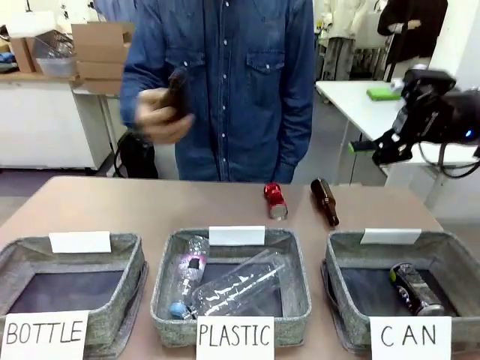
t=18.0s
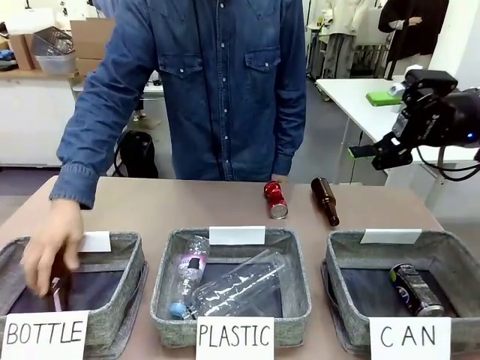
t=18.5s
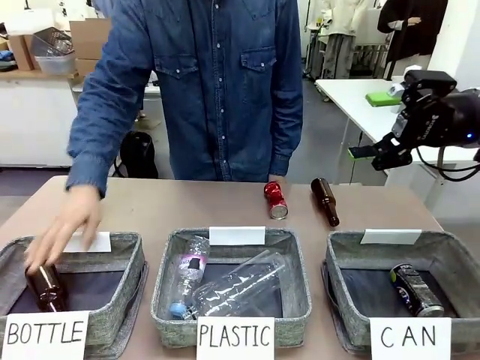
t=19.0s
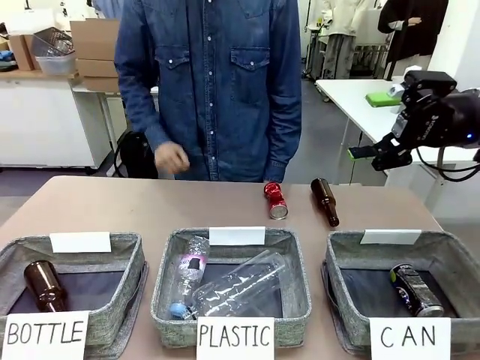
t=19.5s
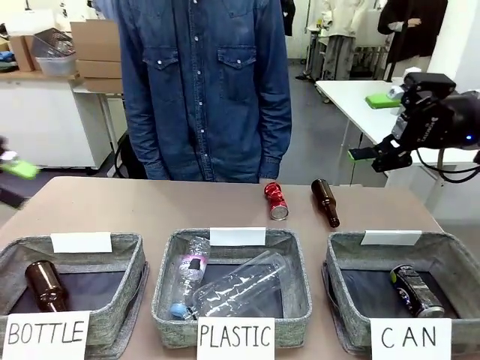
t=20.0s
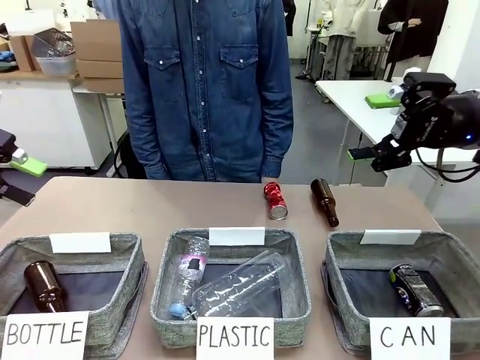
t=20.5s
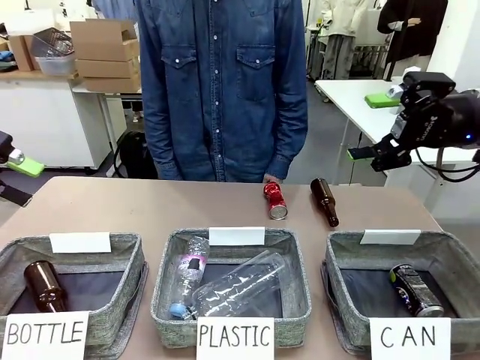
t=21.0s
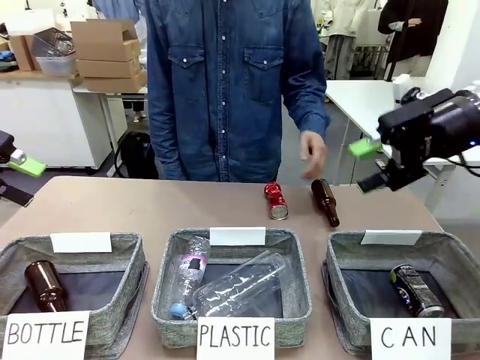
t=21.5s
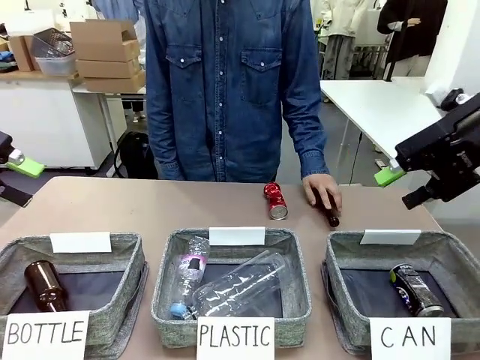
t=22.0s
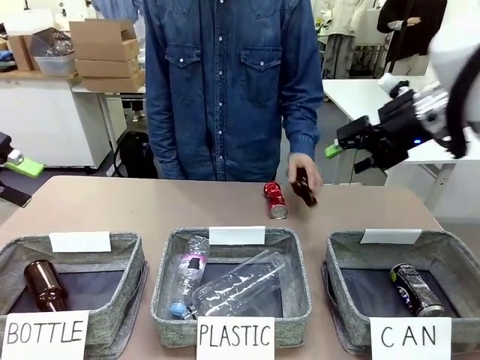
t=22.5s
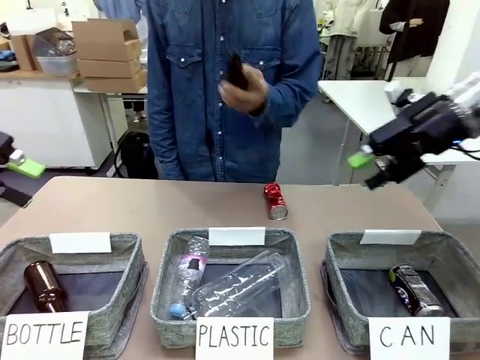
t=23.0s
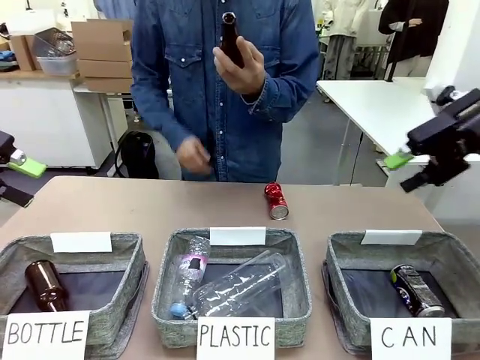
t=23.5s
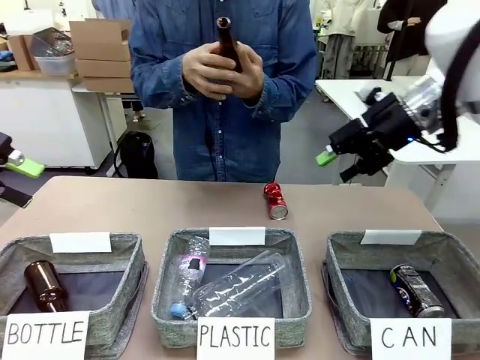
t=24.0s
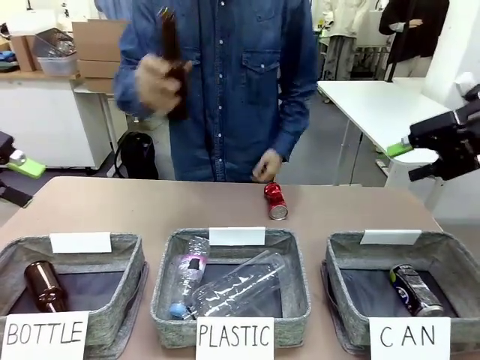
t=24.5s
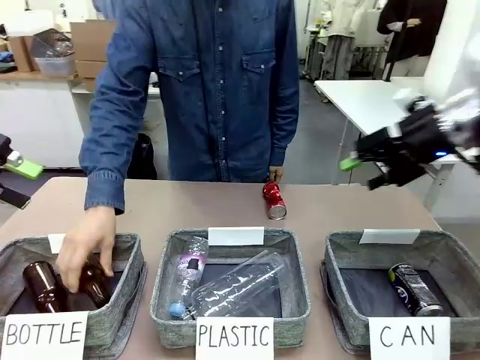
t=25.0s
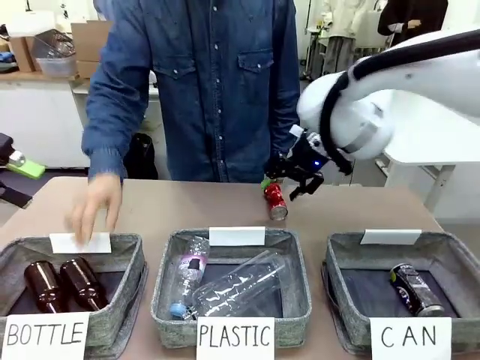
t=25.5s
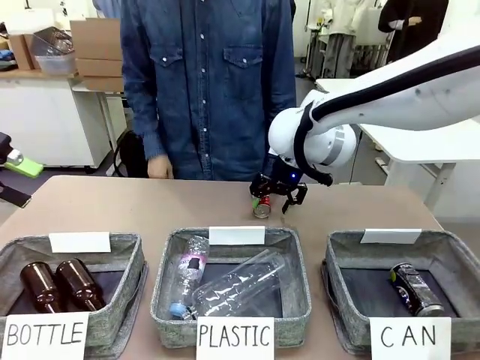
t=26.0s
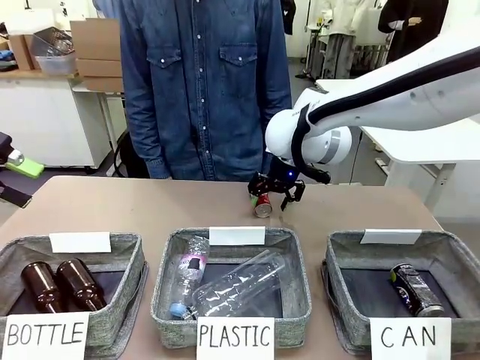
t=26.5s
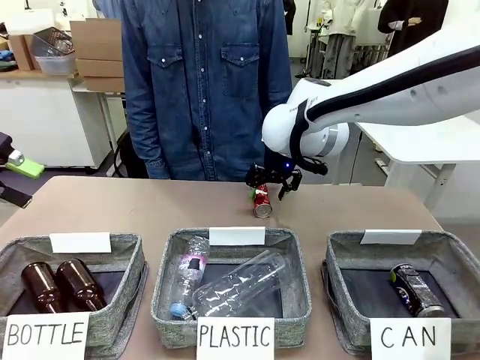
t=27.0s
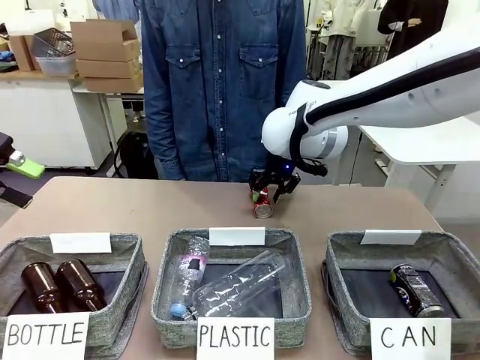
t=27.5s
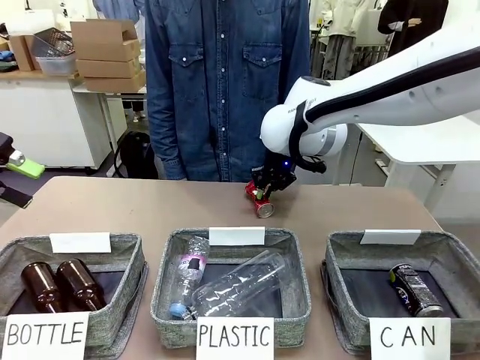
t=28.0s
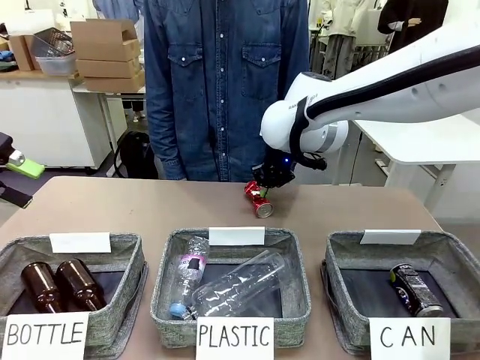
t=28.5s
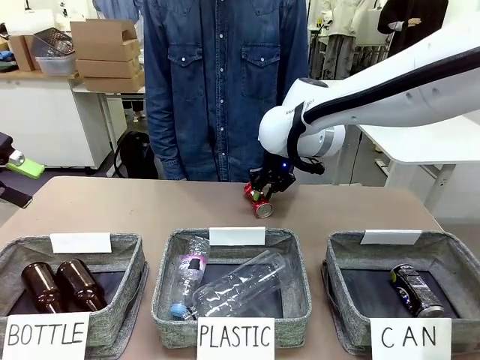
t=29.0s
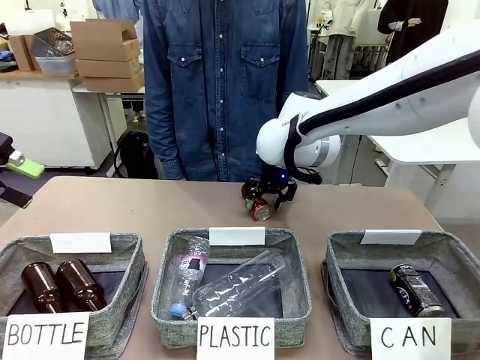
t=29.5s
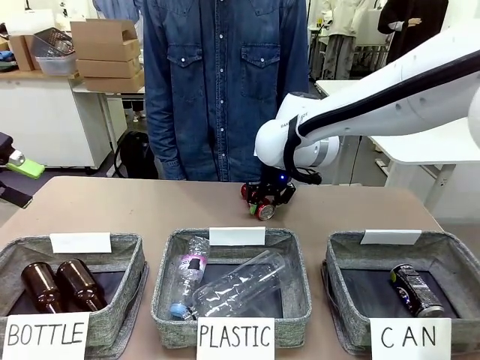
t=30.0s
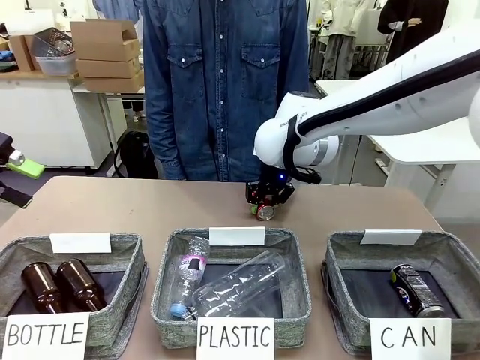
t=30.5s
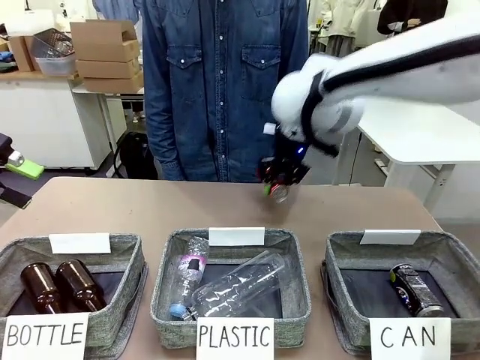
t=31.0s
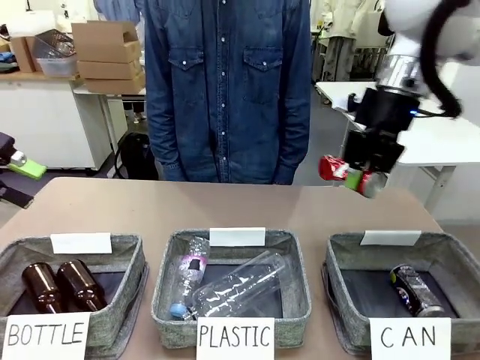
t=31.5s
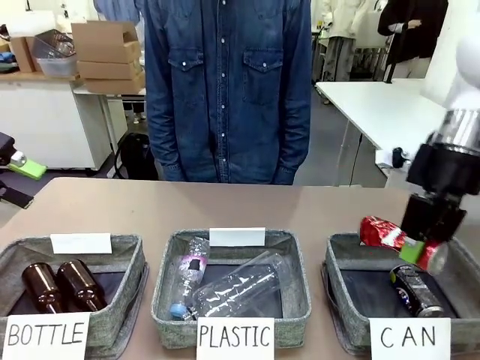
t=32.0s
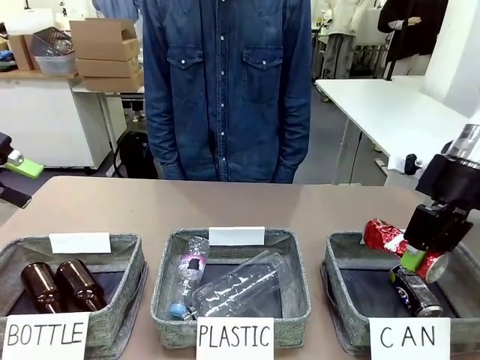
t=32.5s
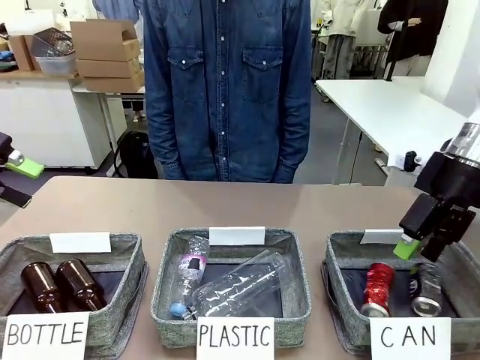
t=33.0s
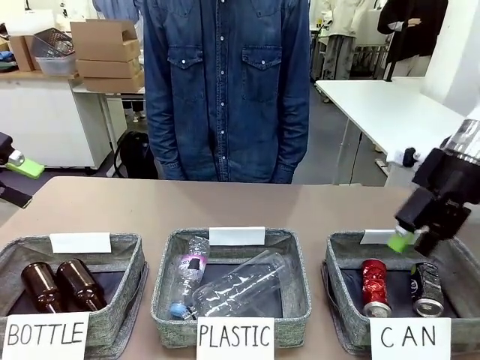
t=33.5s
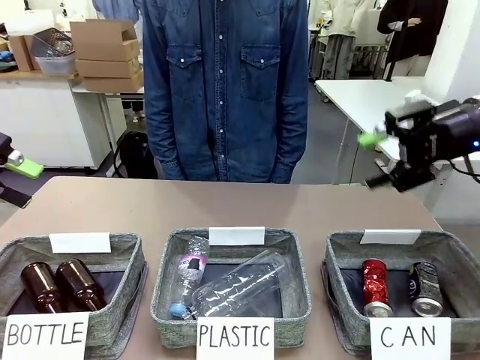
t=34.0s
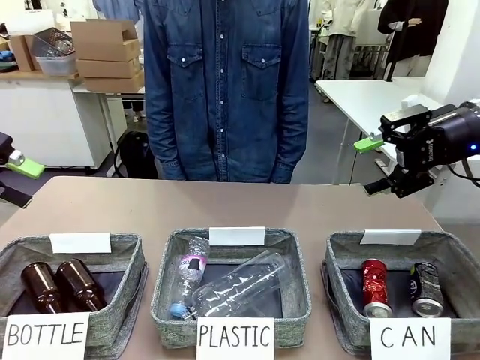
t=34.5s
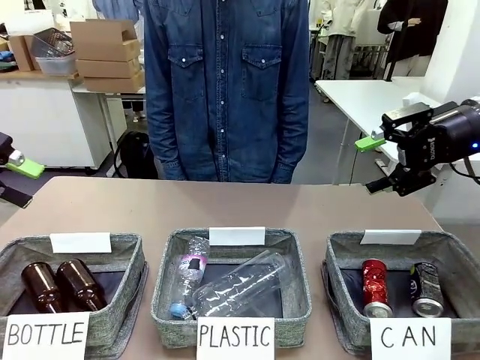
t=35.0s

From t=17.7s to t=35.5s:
Task: Sort the can waste into the basket.
Robot: Pick up the can waste from the table and place it in the right Fabric basket.
Person: The human picks up one piece of trash that is not a can and places the trash into the appropriate organizing basket.

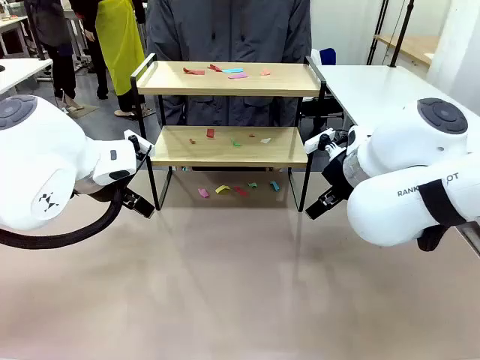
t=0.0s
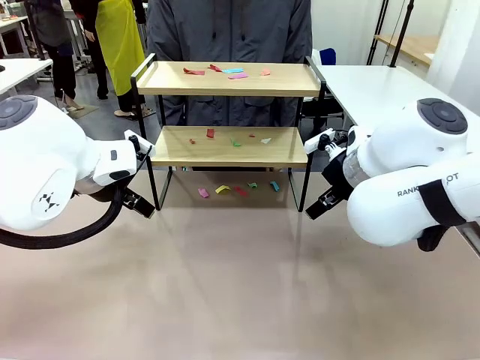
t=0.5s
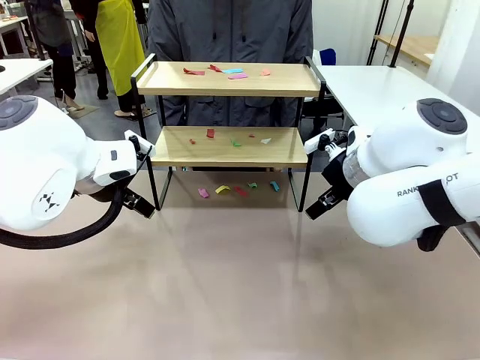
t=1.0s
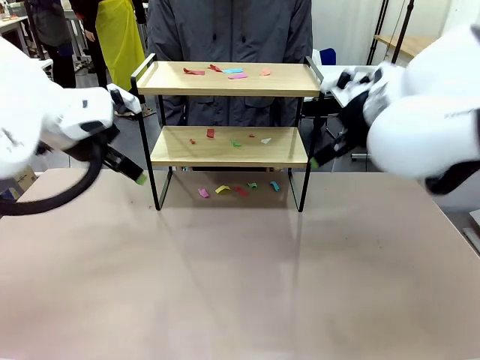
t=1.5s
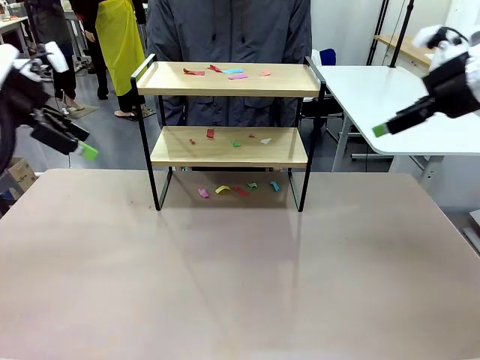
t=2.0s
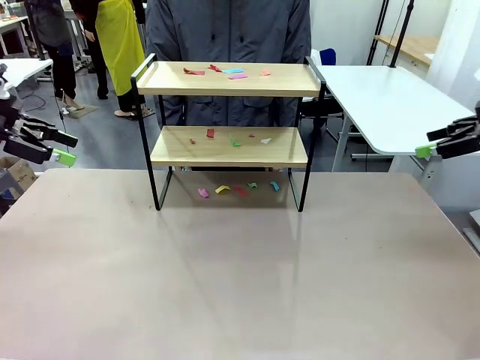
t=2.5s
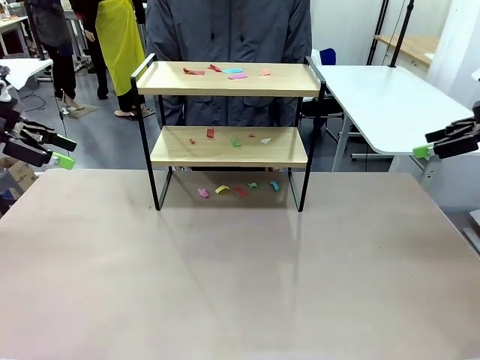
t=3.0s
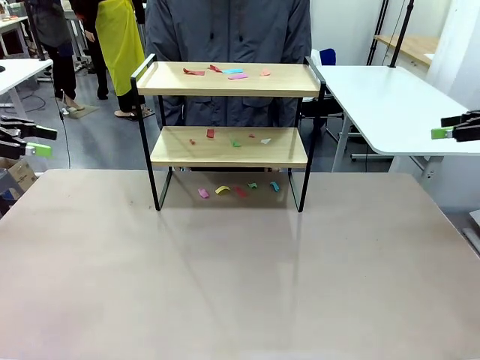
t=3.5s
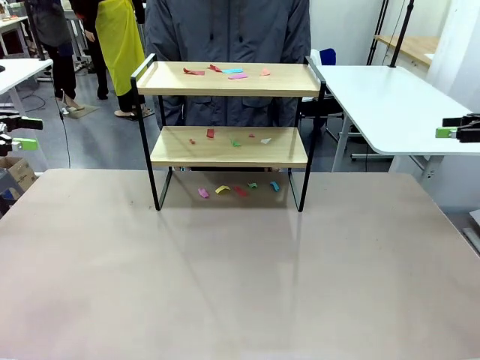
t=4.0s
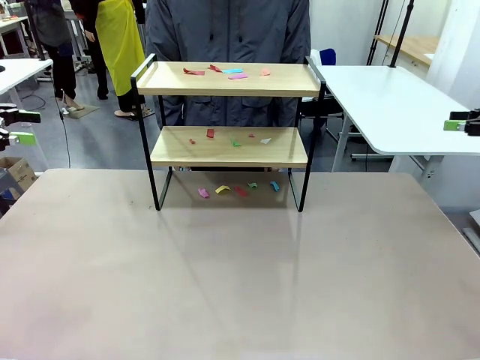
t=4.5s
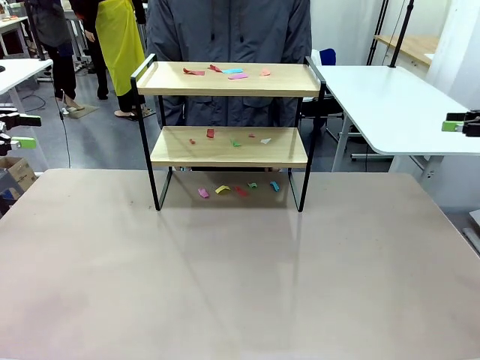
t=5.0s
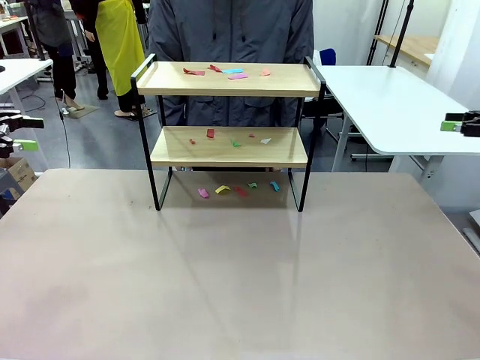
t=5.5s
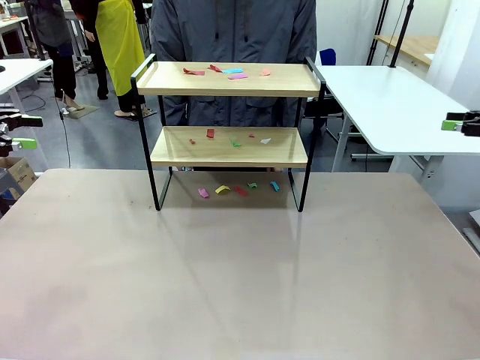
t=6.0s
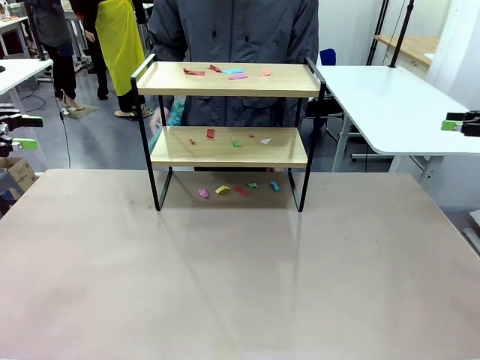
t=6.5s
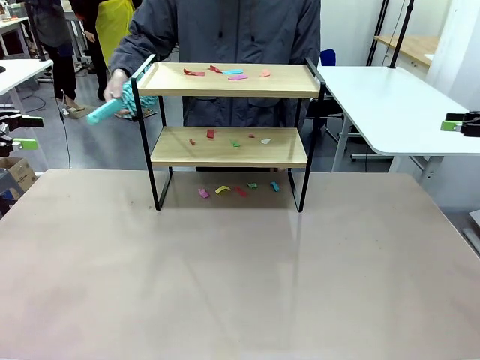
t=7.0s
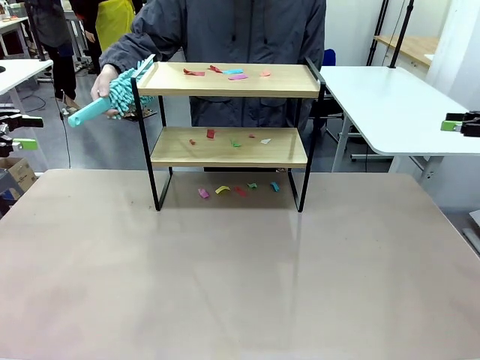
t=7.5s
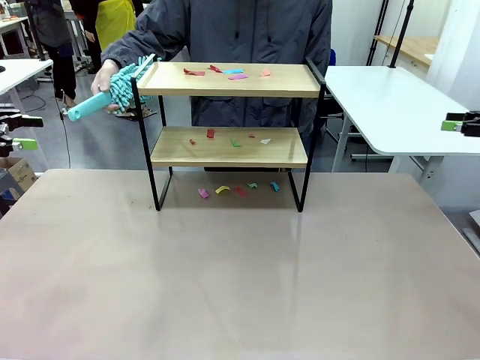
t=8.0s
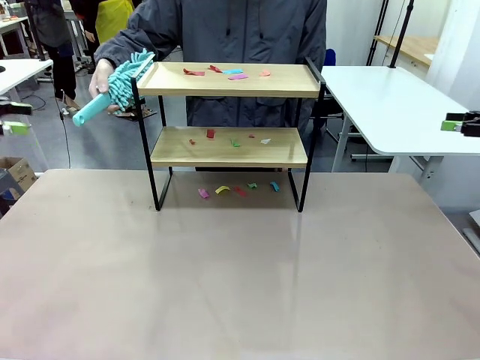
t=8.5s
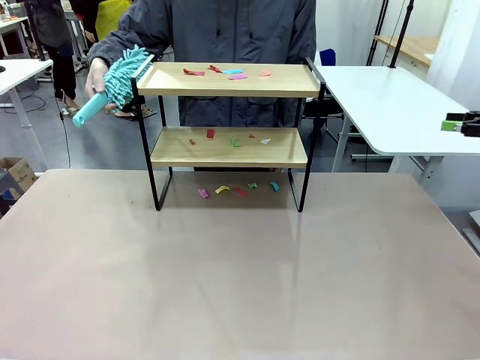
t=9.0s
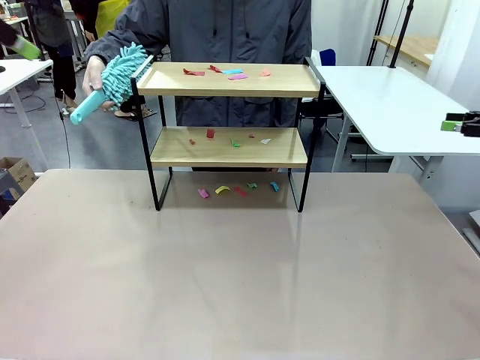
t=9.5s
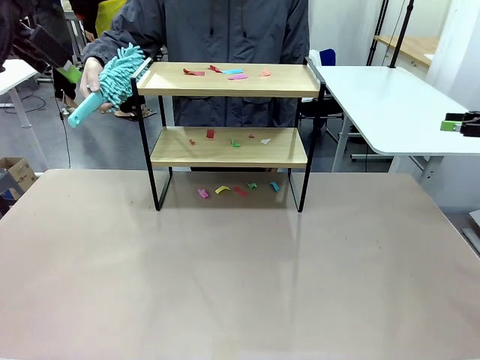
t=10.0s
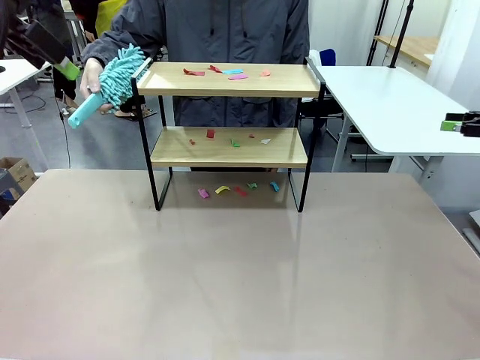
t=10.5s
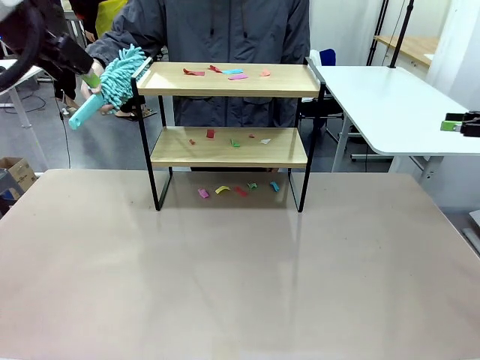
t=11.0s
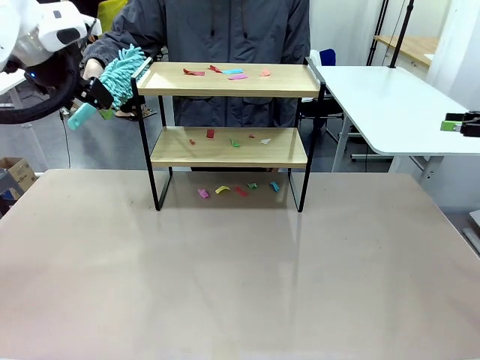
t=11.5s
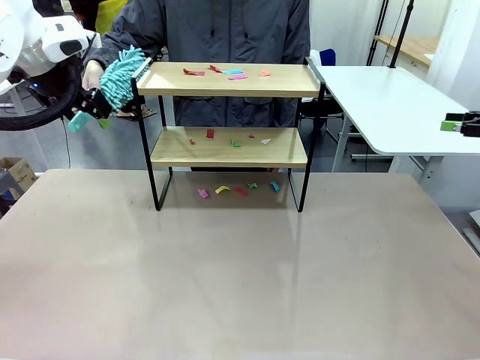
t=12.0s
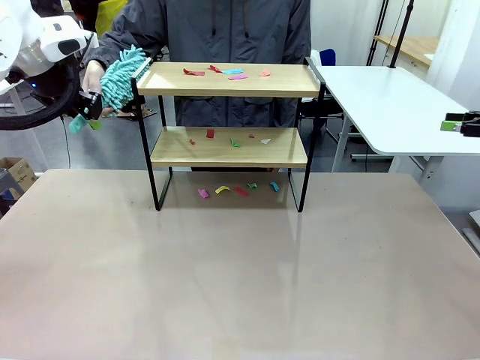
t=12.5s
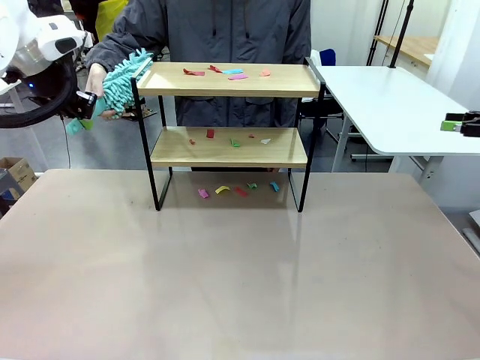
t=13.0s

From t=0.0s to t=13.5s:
Task: Clean the shelf.
Robot: Pick up the Duster handed by the human.
Person: Hand the Duster to the robot.
